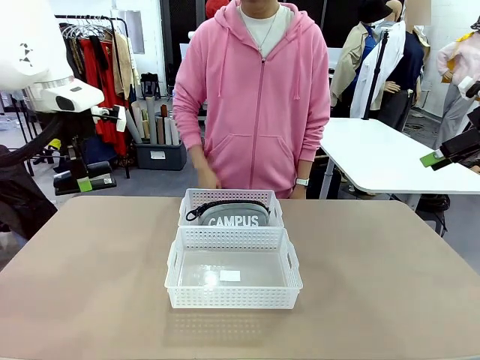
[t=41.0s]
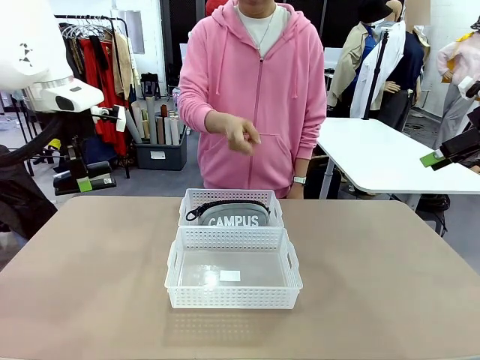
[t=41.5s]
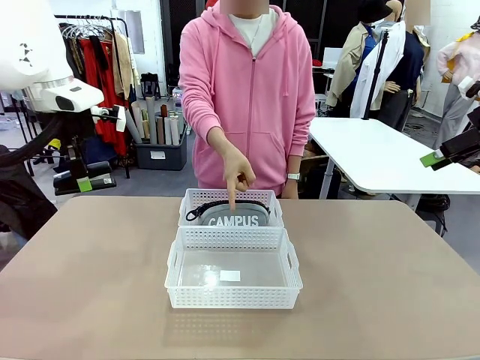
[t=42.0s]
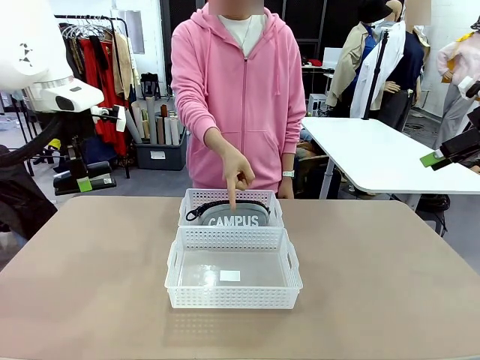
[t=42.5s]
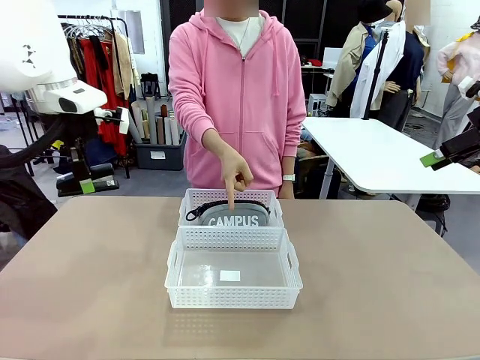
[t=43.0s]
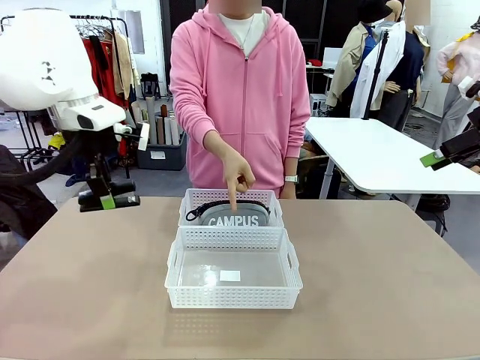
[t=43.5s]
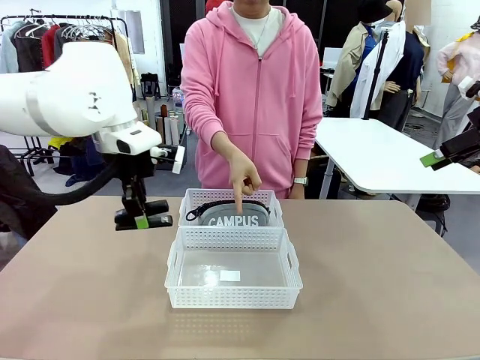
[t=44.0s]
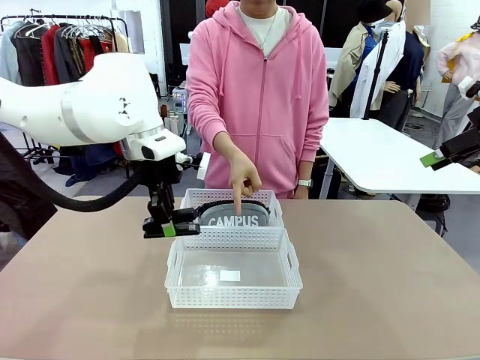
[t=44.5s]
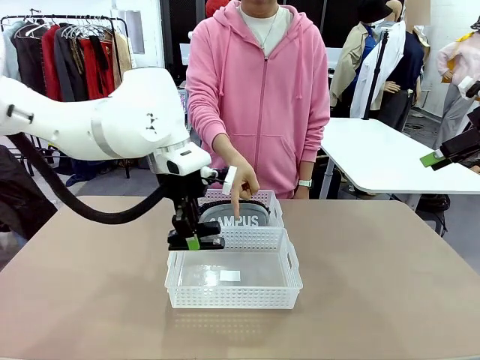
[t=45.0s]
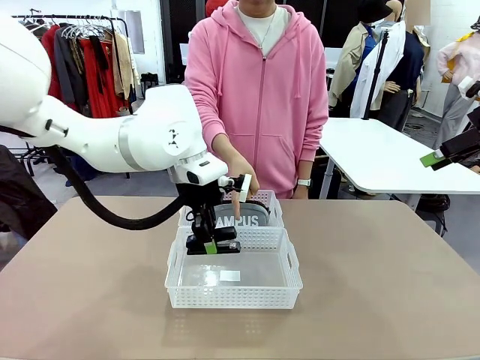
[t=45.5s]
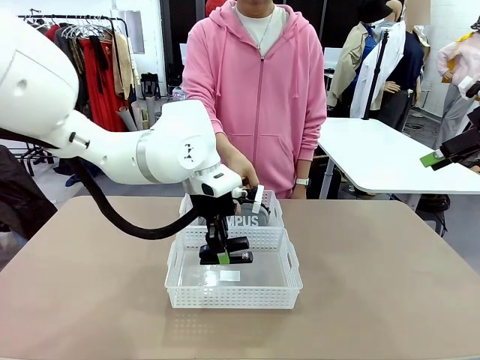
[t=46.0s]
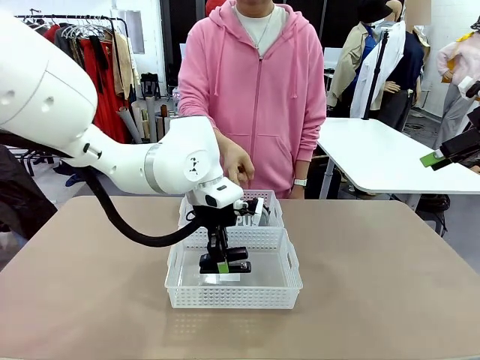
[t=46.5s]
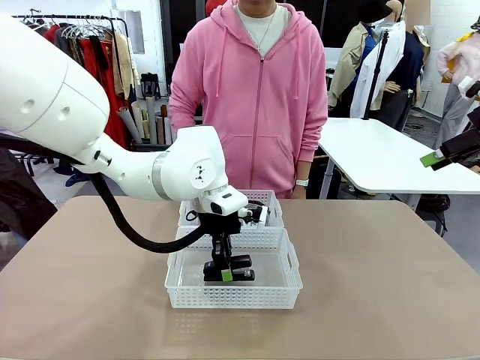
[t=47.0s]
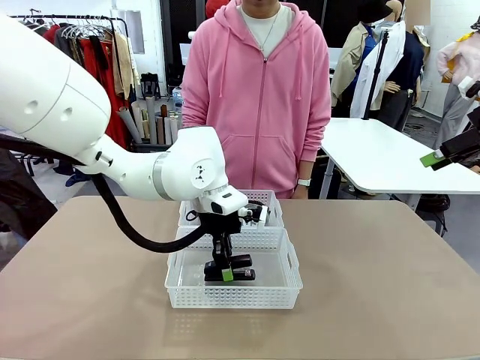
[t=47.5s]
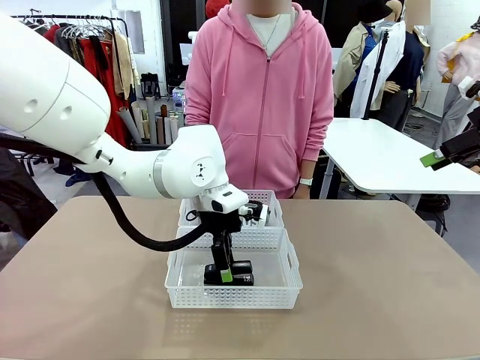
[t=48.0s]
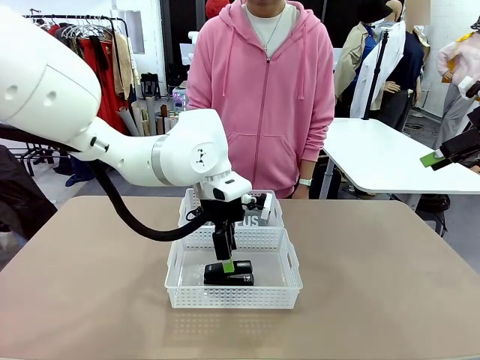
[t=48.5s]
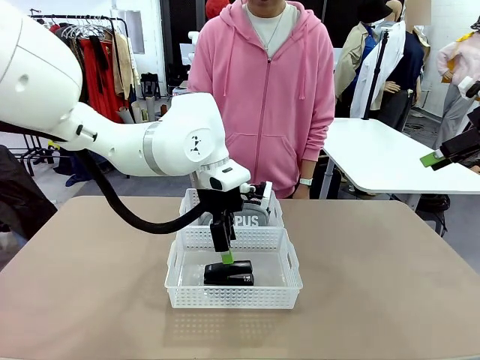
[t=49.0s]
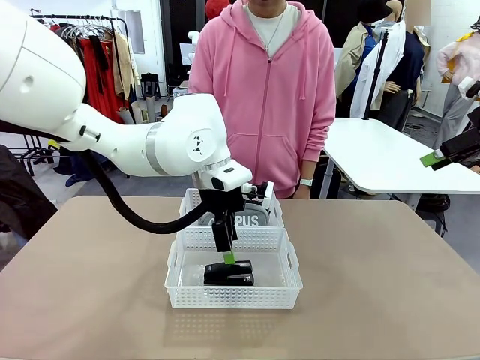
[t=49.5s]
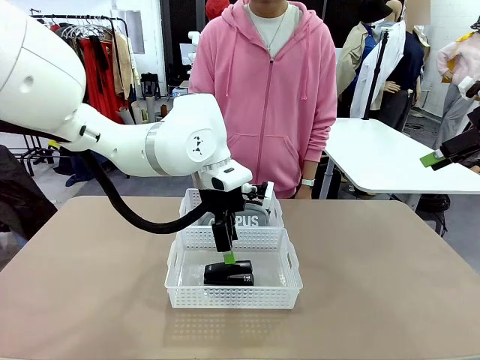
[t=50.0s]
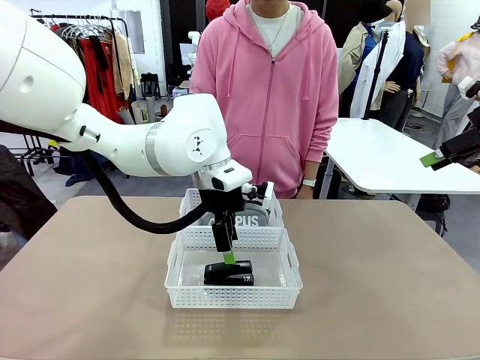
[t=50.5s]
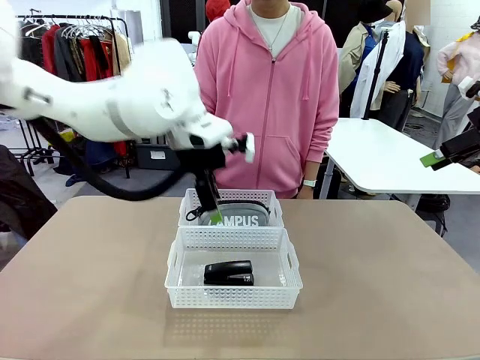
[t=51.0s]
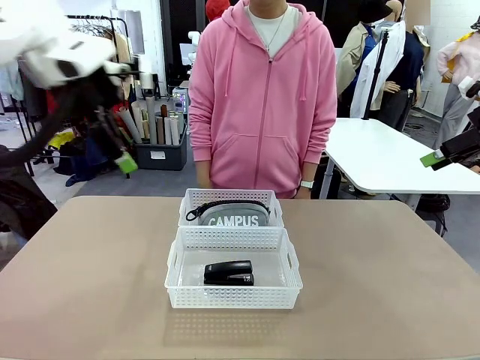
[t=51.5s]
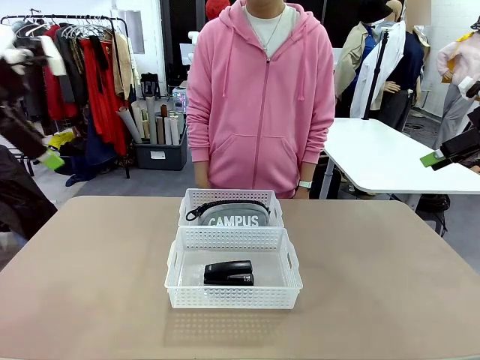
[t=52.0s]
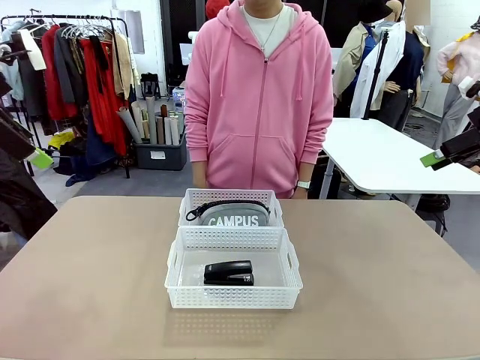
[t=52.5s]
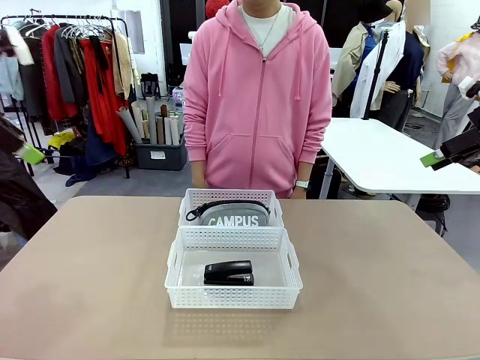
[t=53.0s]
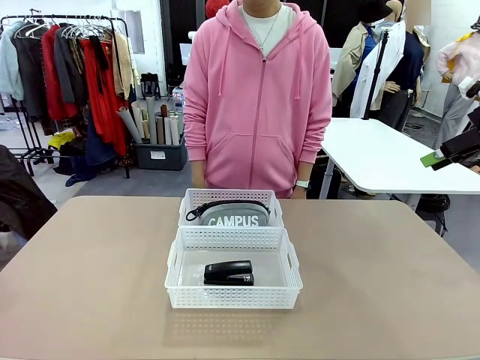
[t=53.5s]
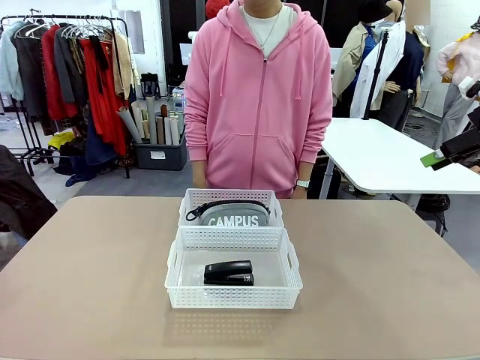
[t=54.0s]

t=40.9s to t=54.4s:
Task: Distribute items into two baskets.
Robot: Place the picked Stapler into the Organizing basket as instructed by the person.
Person: Points to the basket that does not contain the pencil case and instructs the robot to move the stapler there.

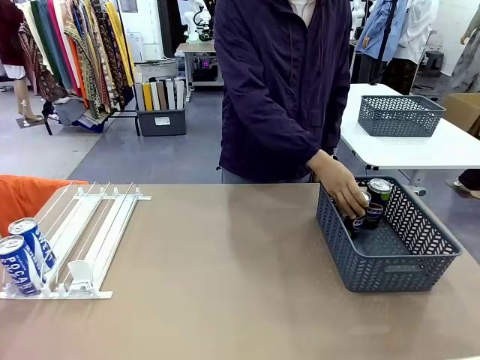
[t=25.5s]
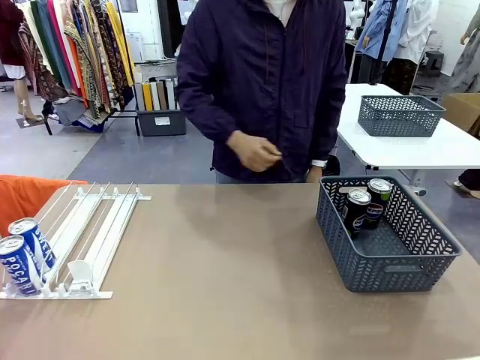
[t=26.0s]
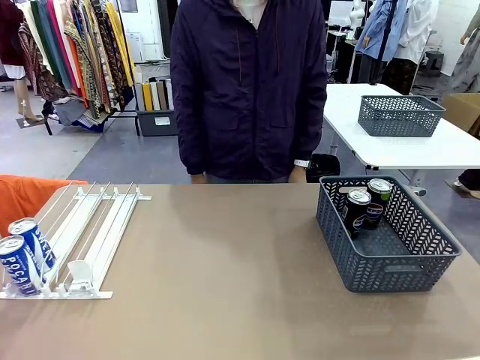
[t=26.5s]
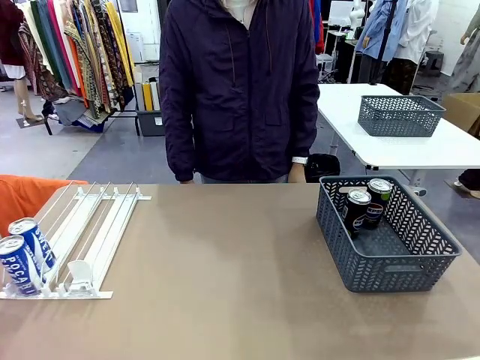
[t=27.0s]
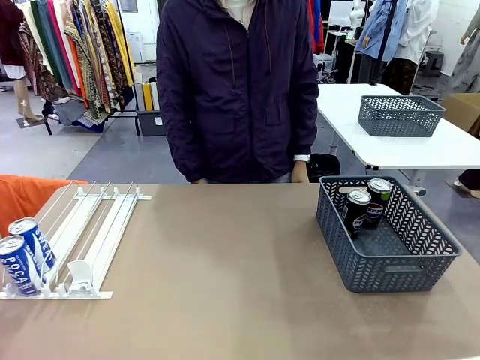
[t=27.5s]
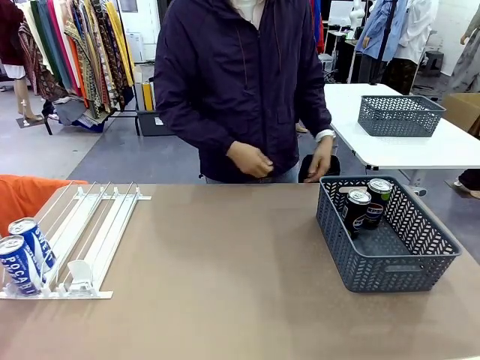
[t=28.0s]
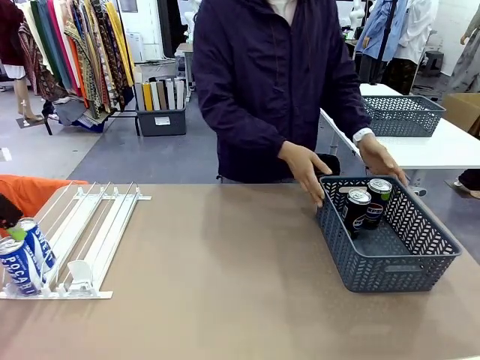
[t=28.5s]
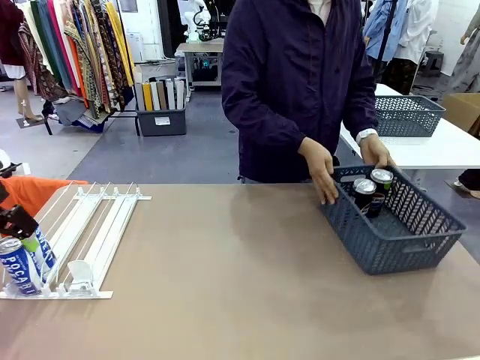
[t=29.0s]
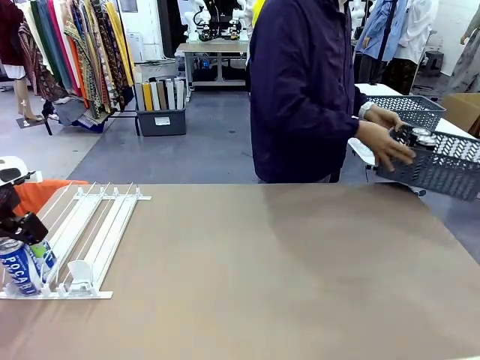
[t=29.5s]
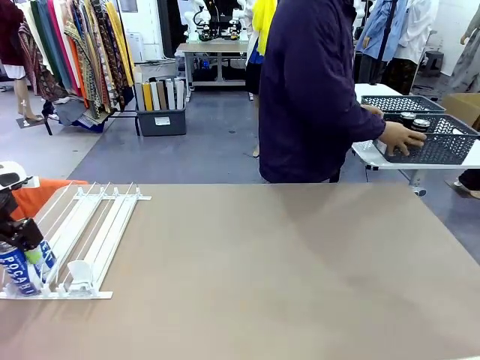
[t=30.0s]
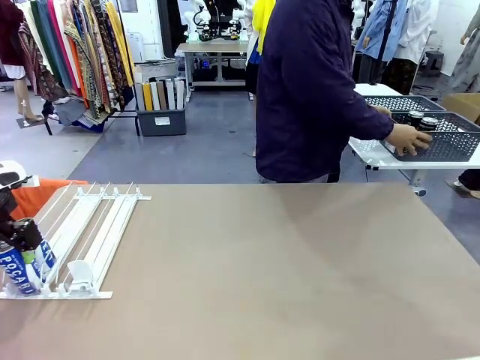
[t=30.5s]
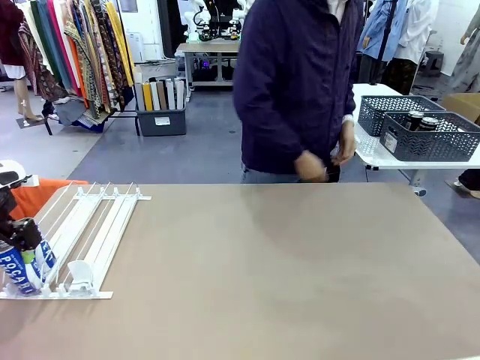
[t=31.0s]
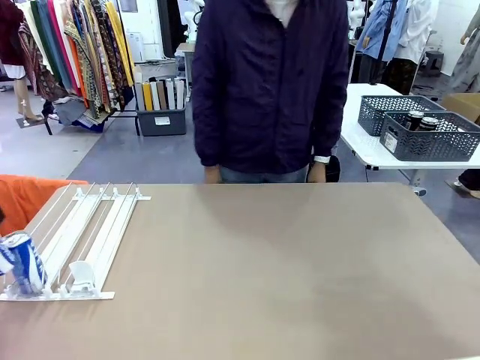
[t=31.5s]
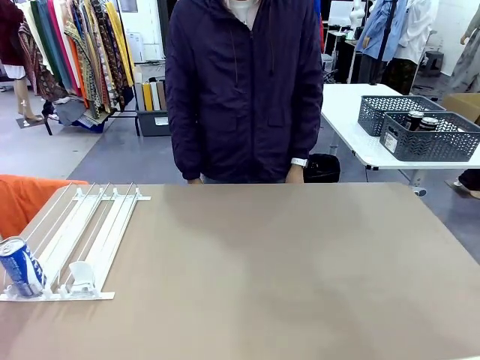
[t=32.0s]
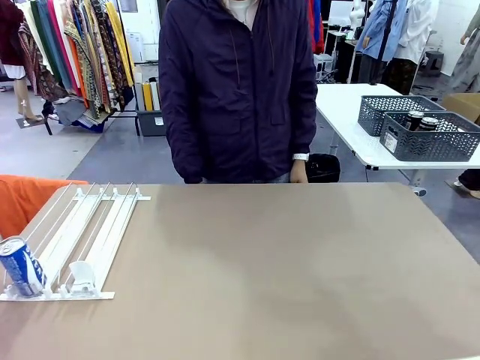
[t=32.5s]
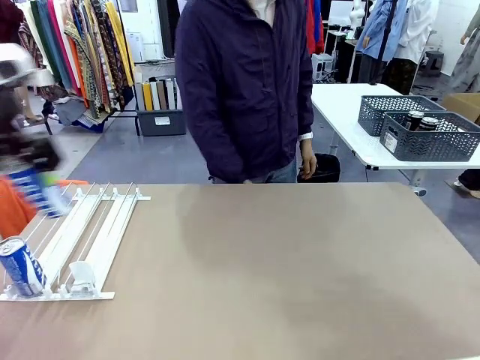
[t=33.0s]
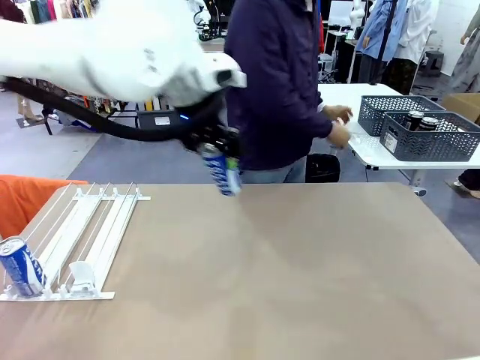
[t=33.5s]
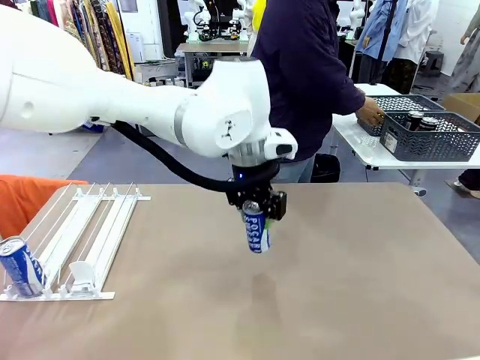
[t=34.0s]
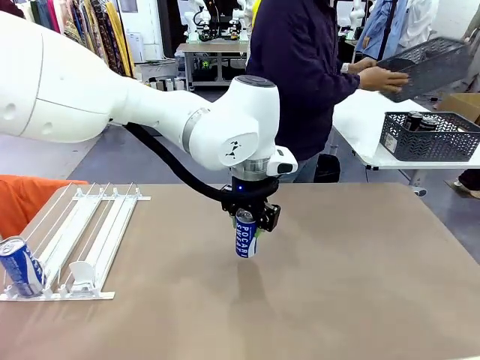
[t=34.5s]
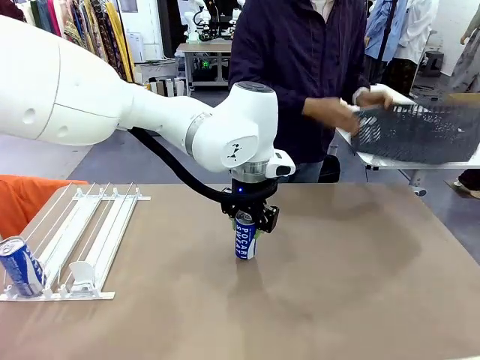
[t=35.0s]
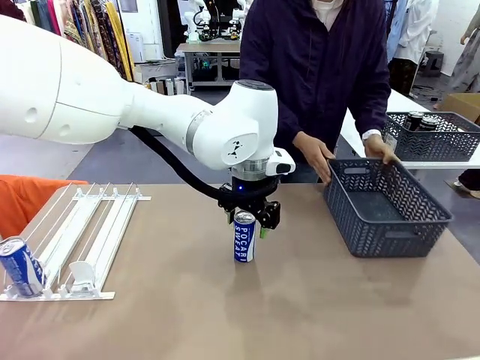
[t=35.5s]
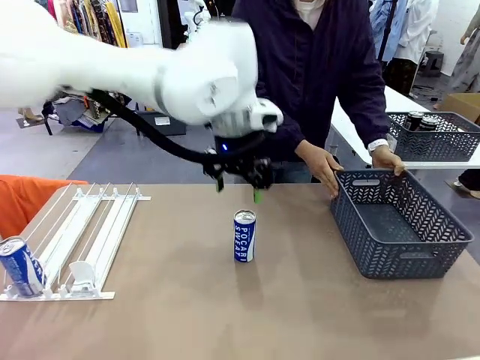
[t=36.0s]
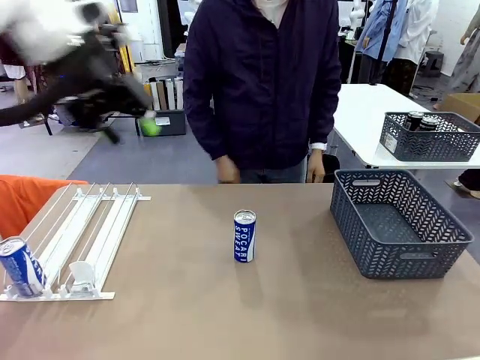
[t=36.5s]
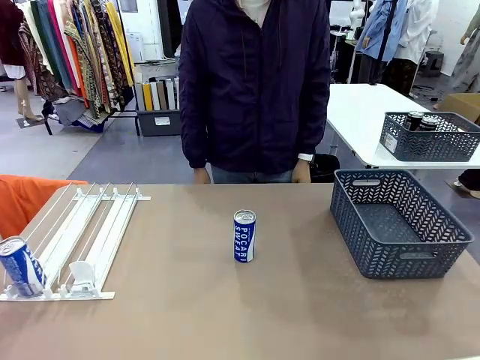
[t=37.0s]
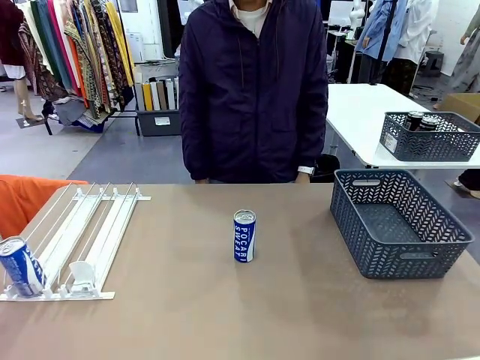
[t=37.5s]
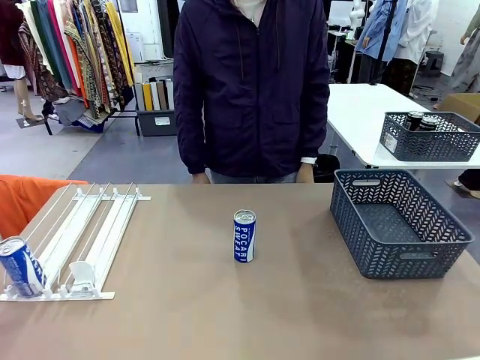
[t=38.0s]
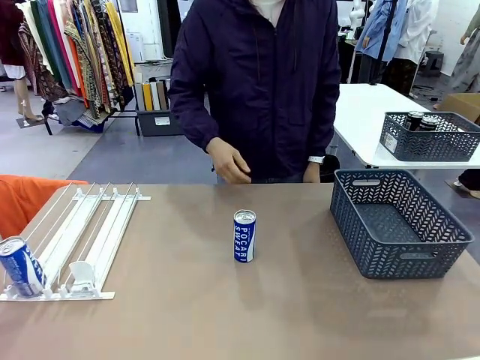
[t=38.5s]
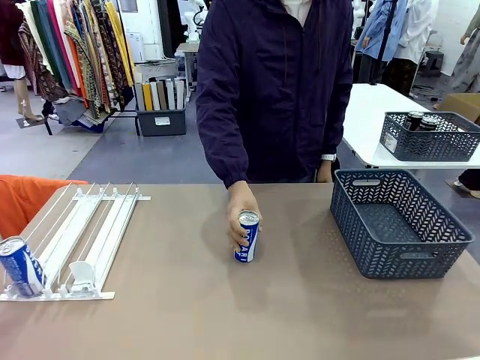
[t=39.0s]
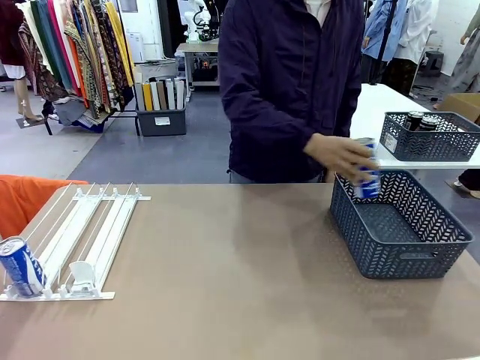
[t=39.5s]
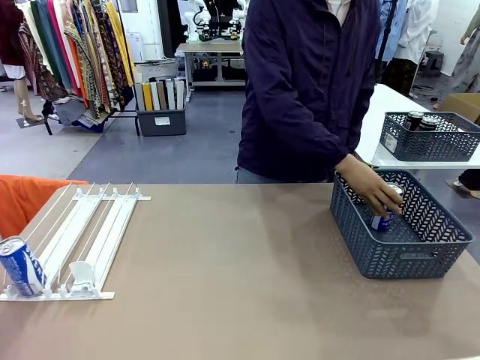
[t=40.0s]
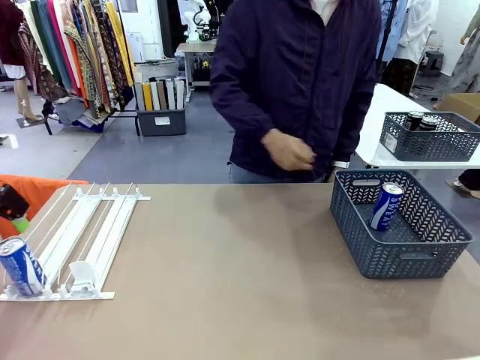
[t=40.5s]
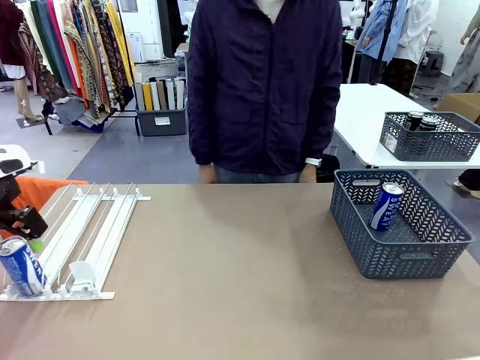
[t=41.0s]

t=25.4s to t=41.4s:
Task: Retrieve and store the cans from the dispenser.
Robot: Pick up one can from the Automatic Can Dispenser and place it in the middle of the table.
Person: Pick up the basket and place it in the middle of the human table. Pick up the empty basket and place it on the left side of the robot table.
